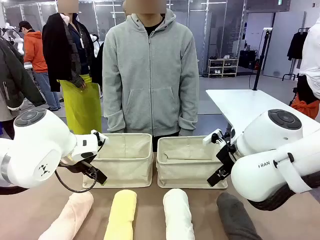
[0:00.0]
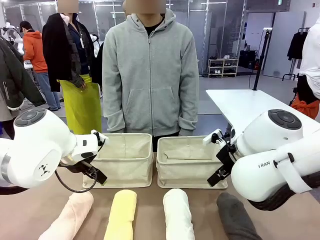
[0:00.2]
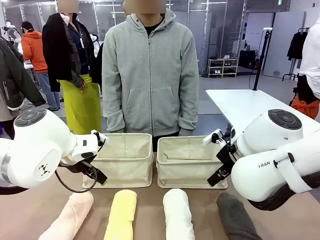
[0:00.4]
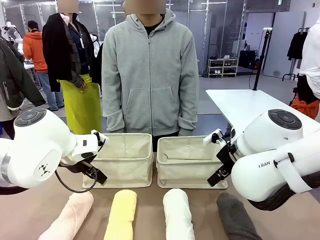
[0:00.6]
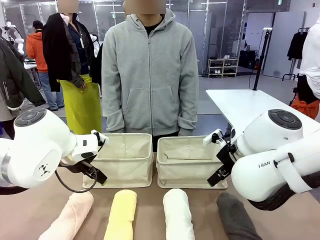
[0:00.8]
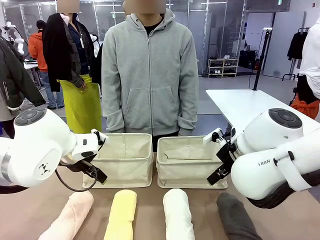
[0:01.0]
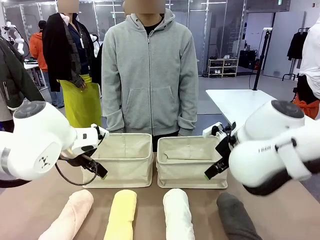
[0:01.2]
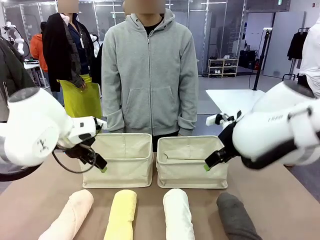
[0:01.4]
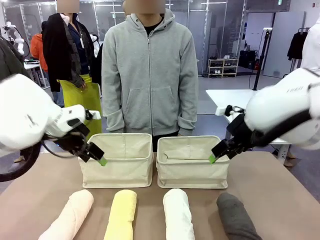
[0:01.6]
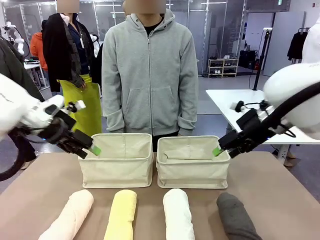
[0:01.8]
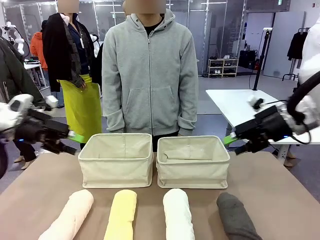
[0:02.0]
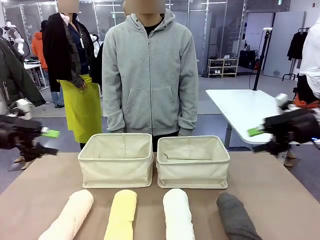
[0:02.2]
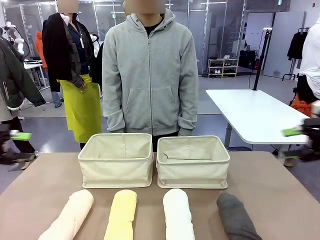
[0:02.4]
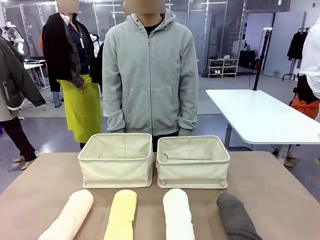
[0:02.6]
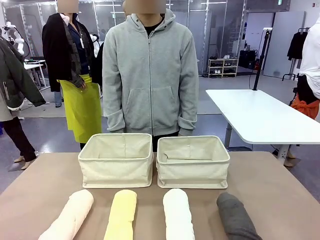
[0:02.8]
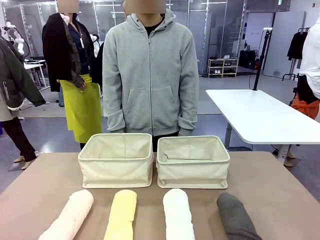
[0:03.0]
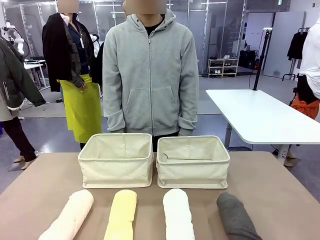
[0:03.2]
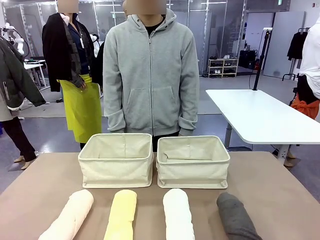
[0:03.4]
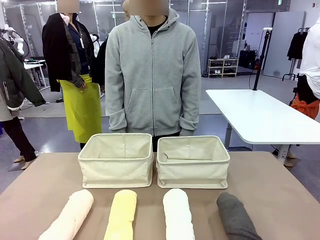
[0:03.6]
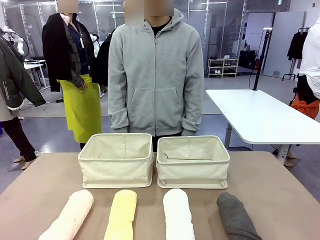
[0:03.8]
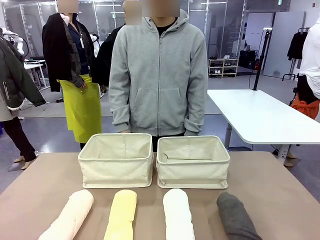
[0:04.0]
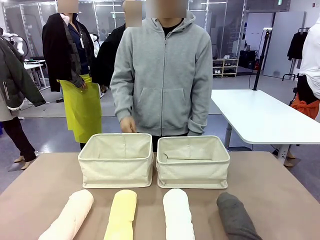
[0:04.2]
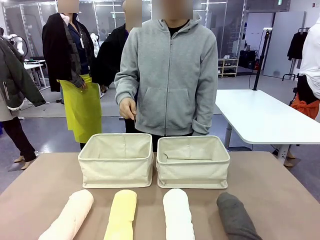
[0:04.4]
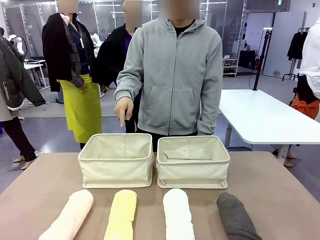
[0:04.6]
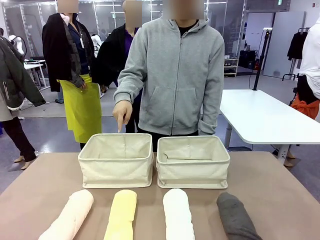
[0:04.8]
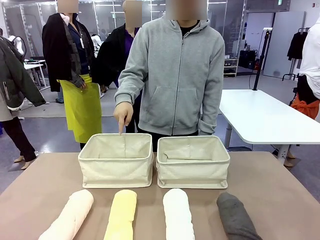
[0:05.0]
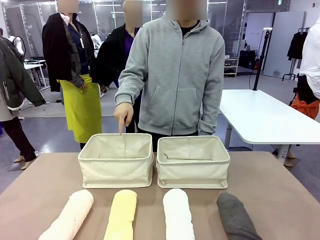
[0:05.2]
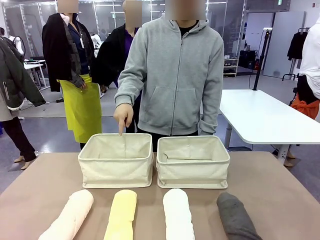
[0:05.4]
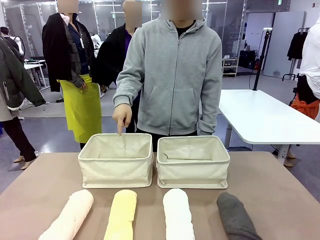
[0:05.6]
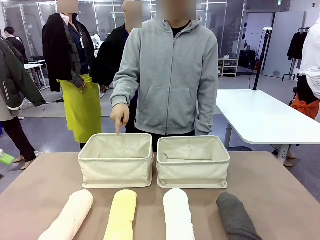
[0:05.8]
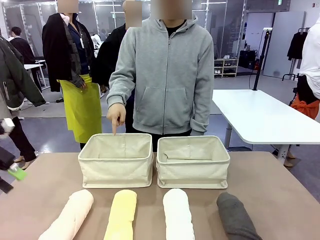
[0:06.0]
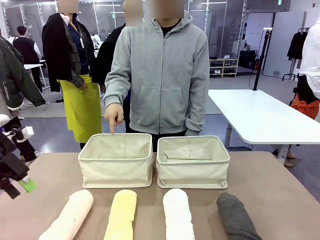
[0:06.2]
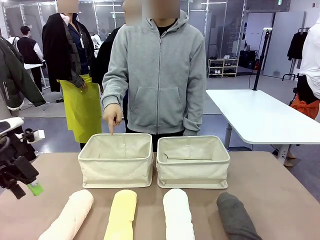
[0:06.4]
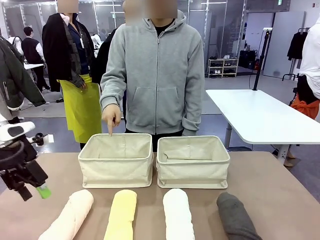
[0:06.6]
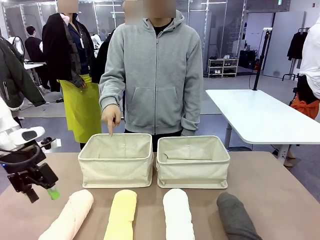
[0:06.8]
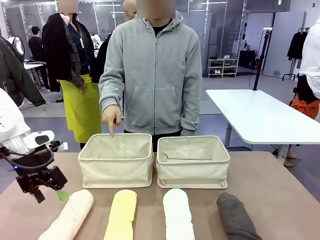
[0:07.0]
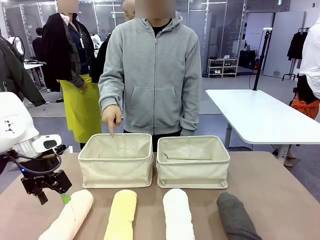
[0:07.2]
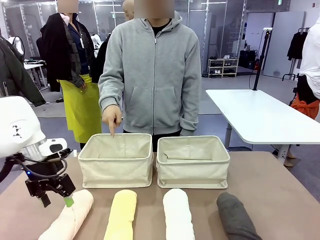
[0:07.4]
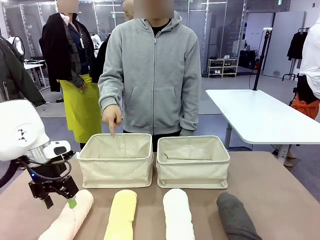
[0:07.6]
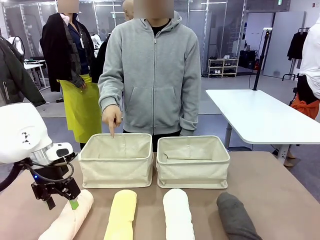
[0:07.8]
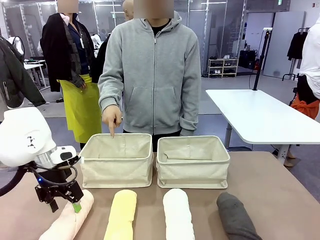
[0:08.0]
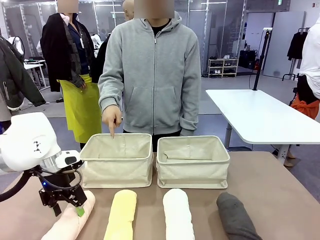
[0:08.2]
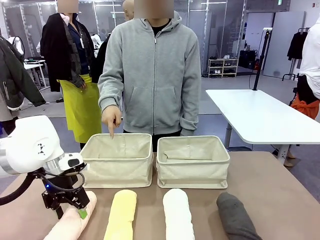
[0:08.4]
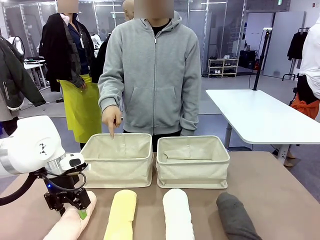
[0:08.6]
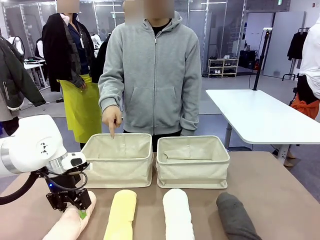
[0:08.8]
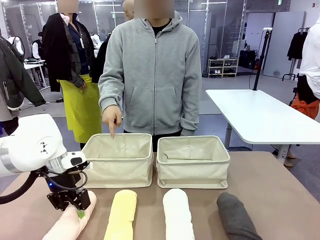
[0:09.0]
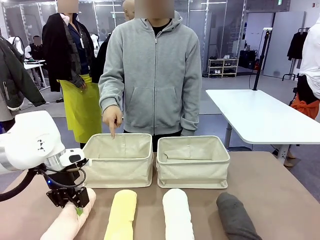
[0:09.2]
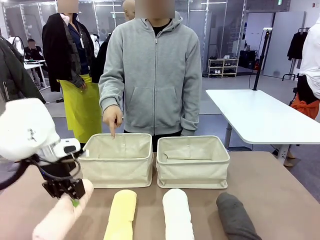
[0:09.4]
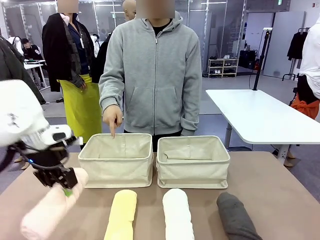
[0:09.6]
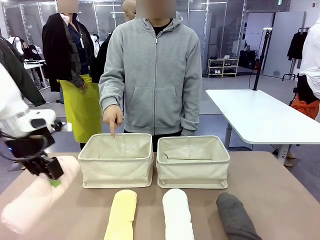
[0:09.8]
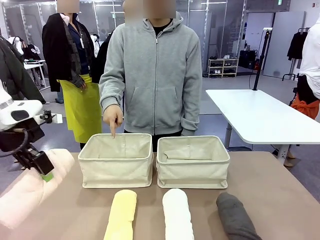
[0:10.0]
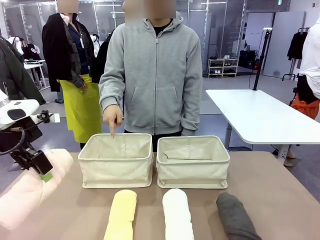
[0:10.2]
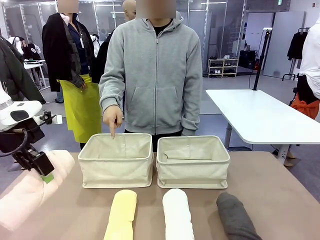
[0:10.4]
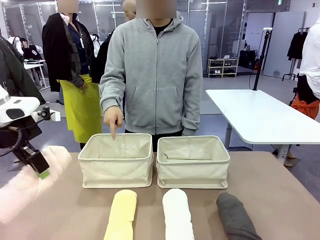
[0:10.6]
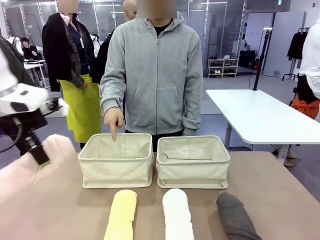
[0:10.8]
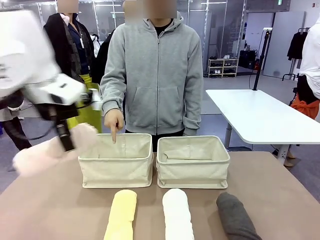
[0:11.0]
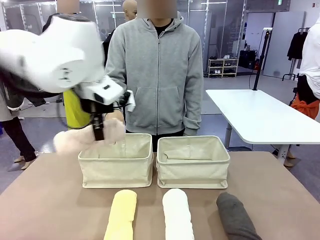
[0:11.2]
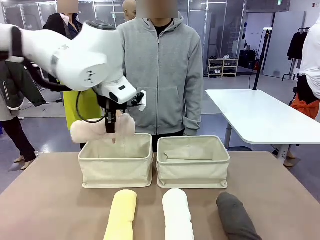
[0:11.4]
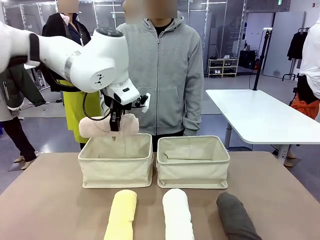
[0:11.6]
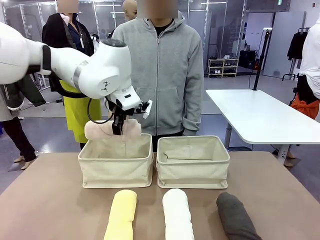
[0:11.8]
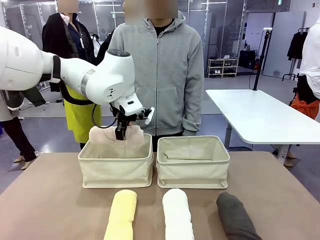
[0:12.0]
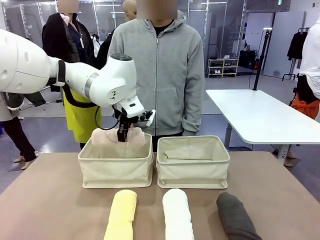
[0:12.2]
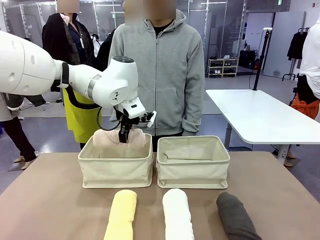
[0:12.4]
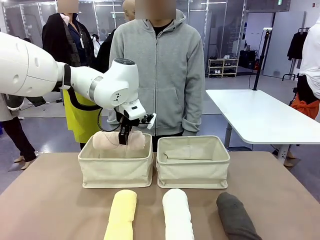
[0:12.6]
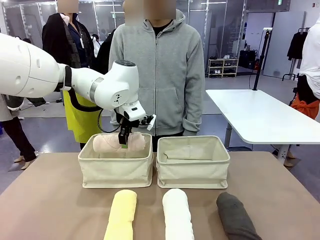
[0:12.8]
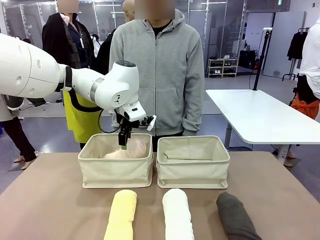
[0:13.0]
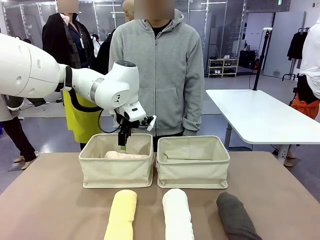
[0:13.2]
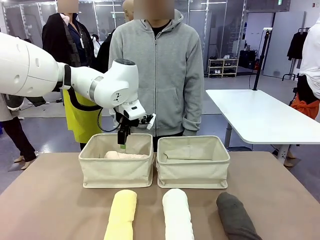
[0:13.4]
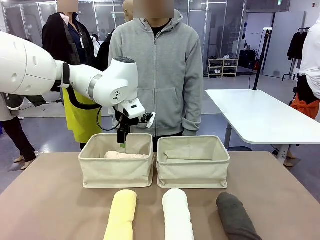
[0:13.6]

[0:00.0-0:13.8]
Task: Divide the towels into two baskets.
Robot: Pick up one hotel-folded towel and place it in the Fabric basket indicated by the person.
